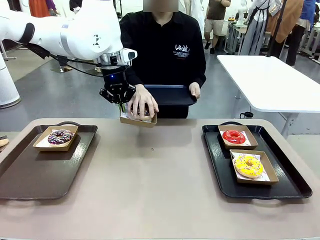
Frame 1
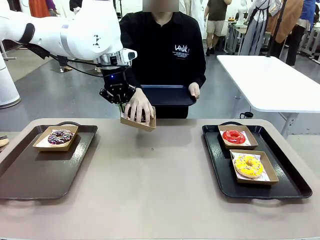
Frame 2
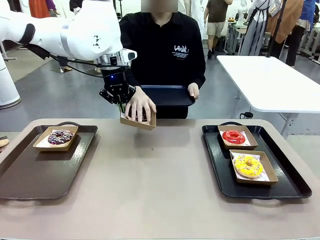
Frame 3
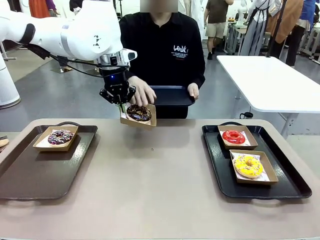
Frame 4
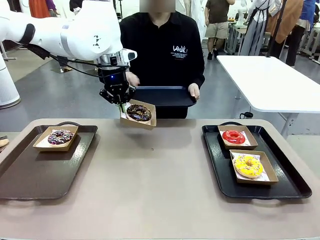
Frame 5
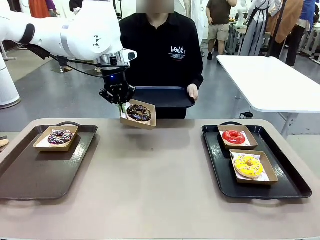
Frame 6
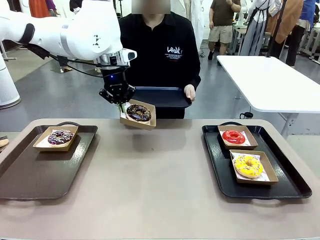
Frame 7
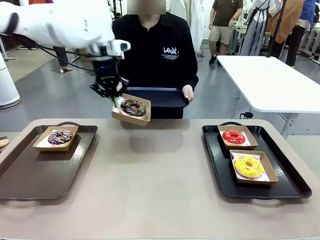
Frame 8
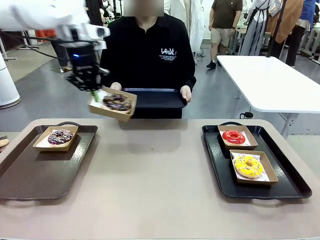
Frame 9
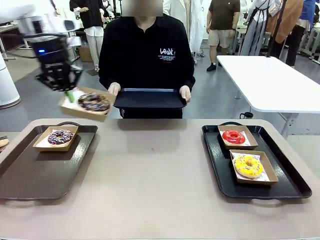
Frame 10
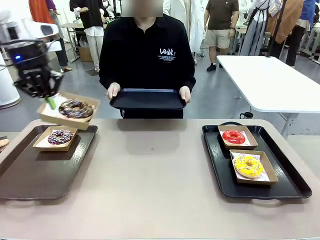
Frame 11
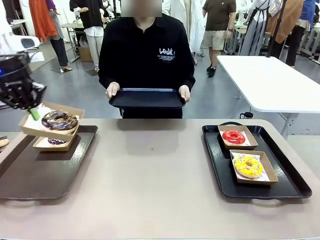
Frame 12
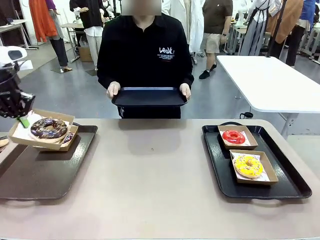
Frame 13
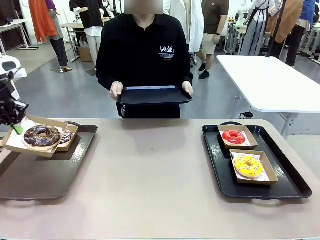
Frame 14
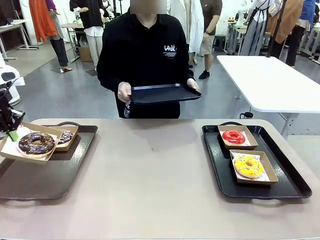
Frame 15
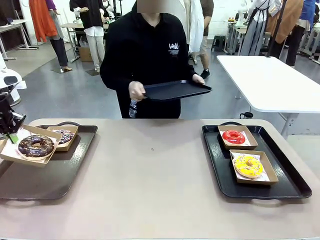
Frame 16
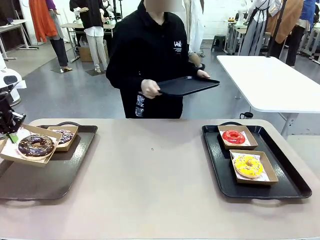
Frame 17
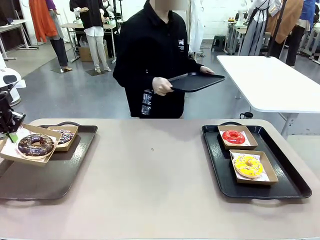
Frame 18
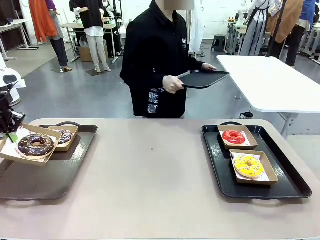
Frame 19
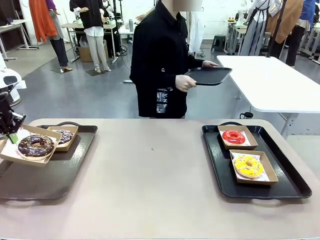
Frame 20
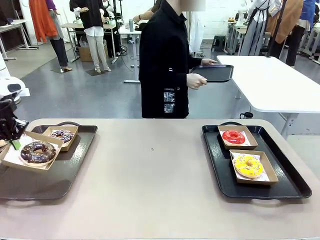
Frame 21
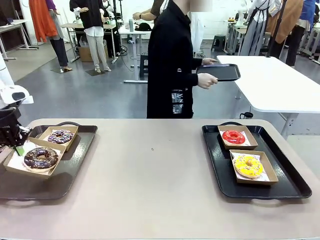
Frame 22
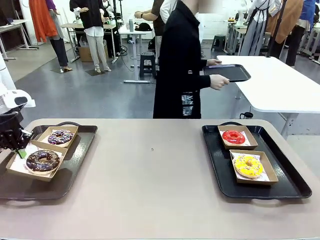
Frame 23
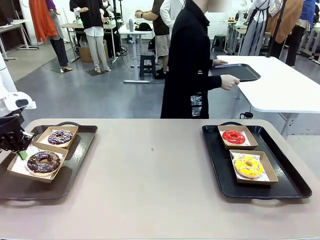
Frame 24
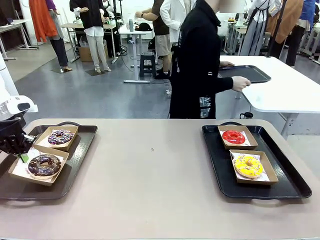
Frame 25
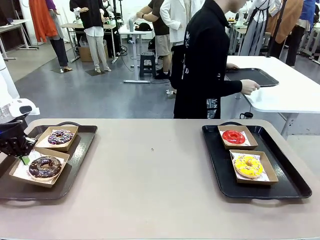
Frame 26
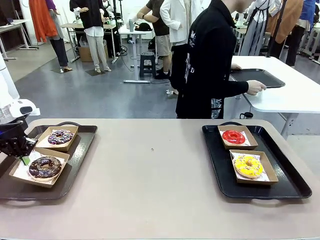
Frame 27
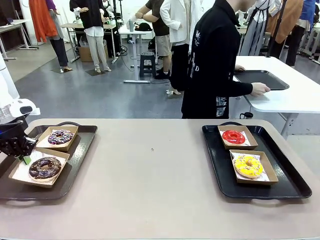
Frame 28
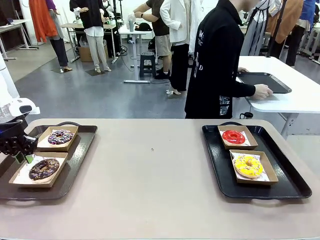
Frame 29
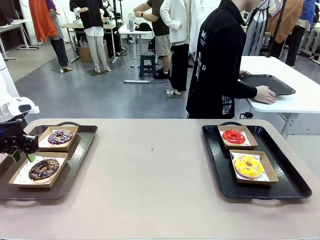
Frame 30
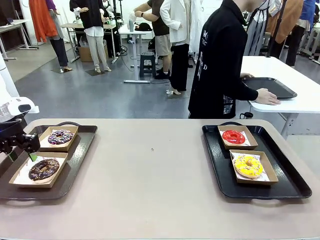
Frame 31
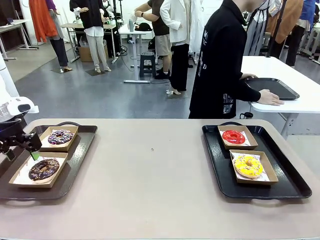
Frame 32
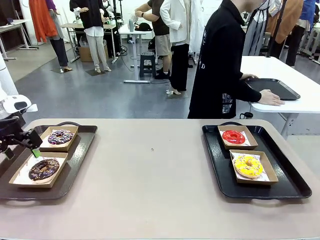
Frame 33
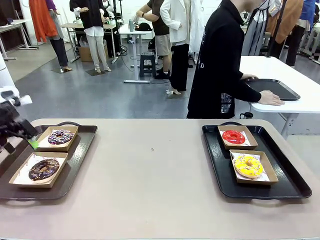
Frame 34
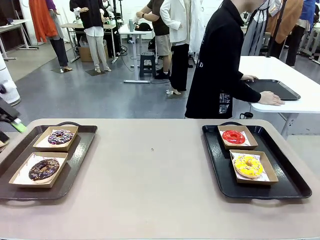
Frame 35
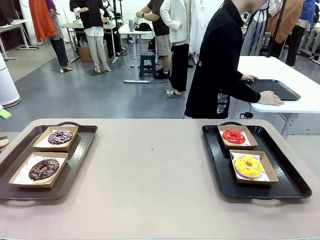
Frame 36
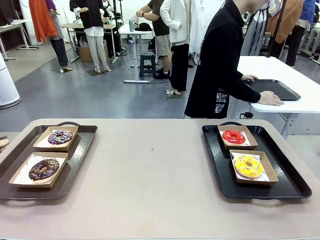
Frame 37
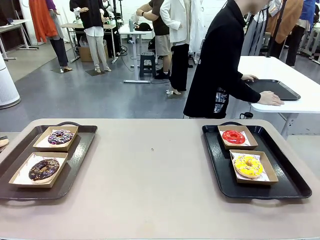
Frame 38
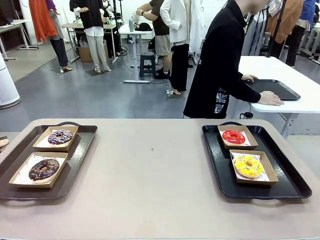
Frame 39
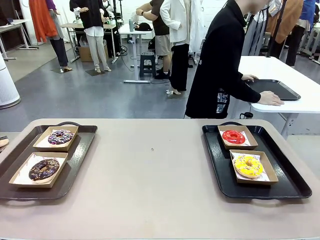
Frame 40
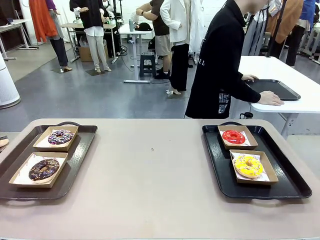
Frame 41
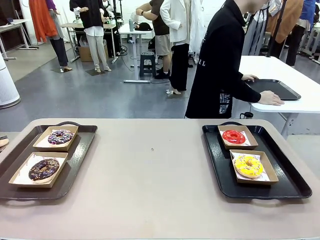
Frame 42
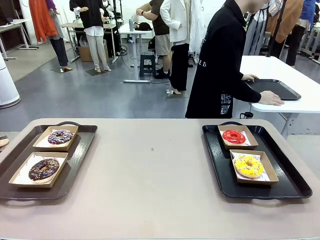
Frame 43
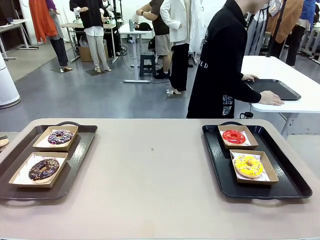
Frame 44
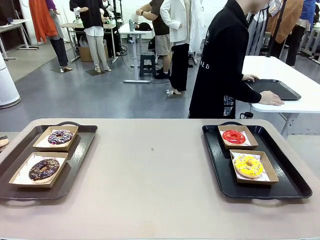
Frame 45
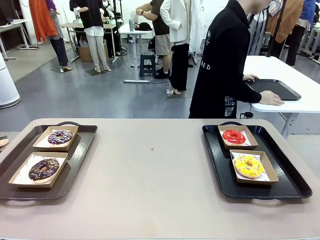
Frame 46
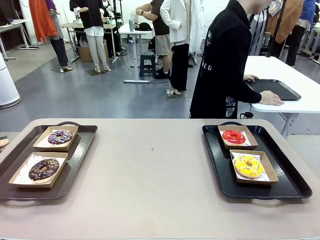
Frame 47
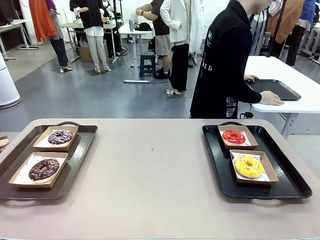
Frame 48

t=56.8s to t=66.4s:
Task: Individually package the donuts and arrange them on the tray.
Robot: Place the picked Paper togo box on the Handle tray.
Person: Place the tray down in the middle of the human table.

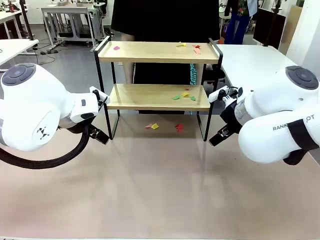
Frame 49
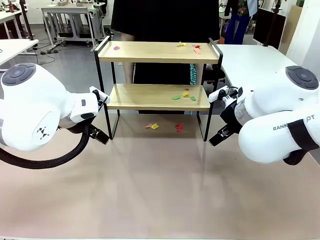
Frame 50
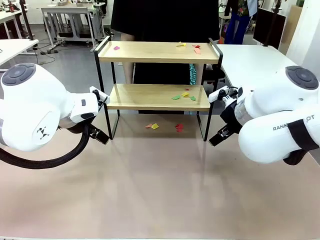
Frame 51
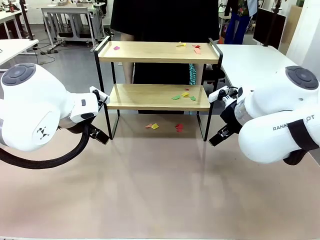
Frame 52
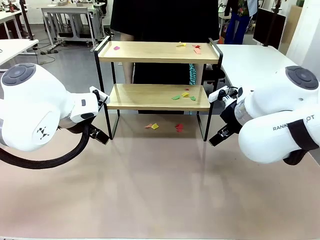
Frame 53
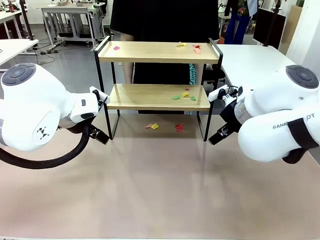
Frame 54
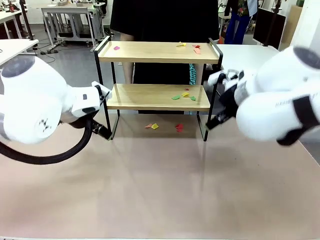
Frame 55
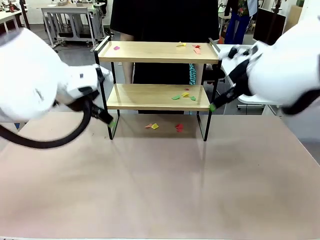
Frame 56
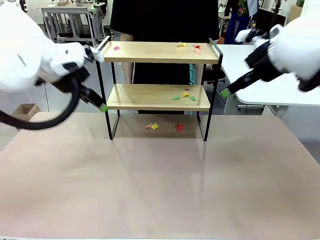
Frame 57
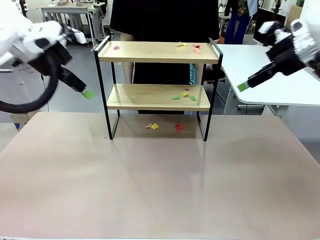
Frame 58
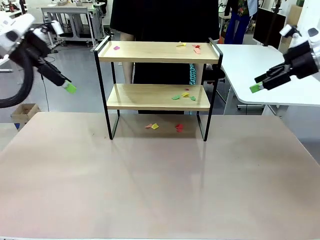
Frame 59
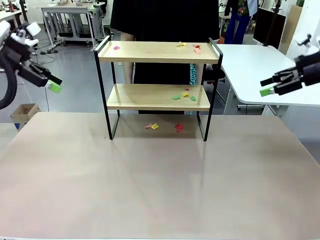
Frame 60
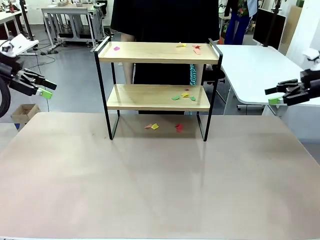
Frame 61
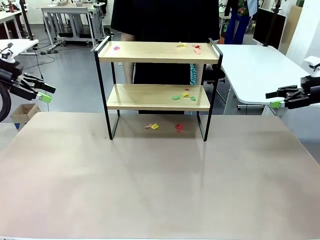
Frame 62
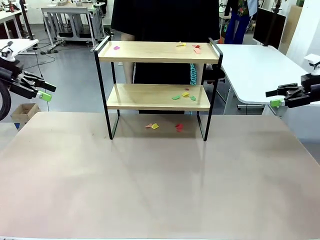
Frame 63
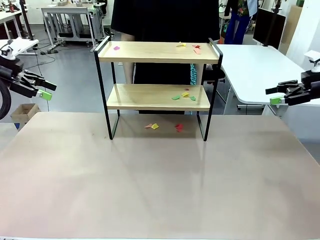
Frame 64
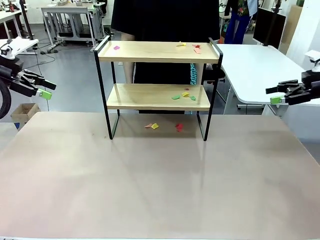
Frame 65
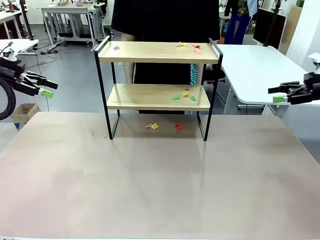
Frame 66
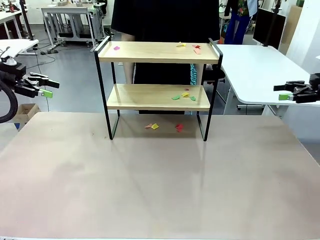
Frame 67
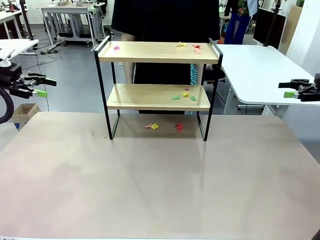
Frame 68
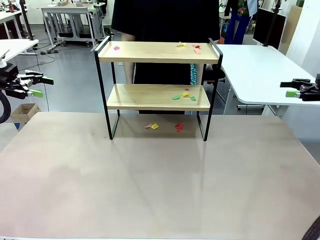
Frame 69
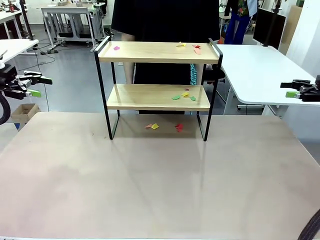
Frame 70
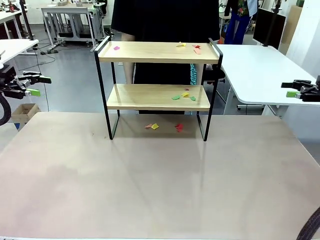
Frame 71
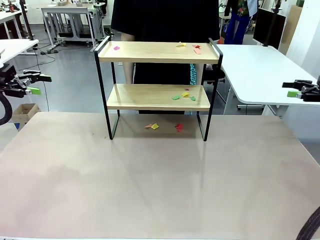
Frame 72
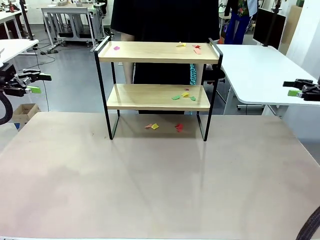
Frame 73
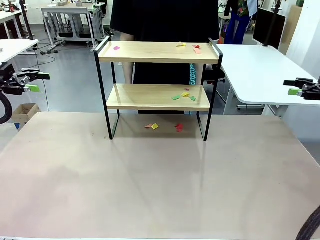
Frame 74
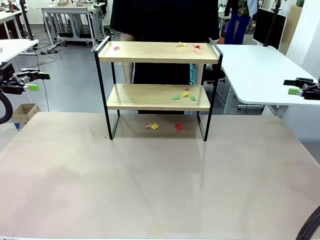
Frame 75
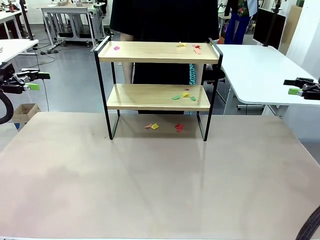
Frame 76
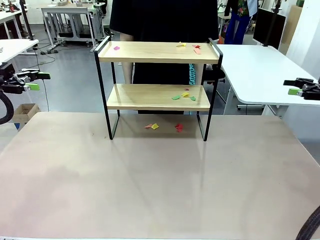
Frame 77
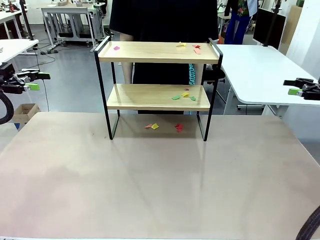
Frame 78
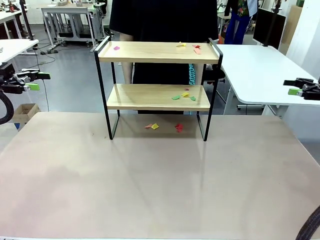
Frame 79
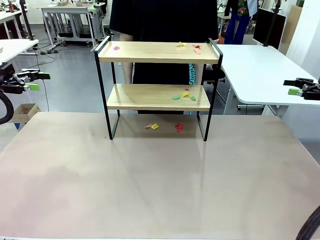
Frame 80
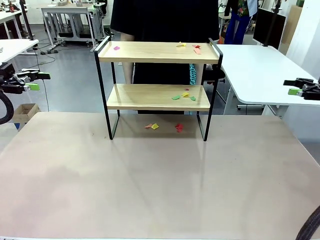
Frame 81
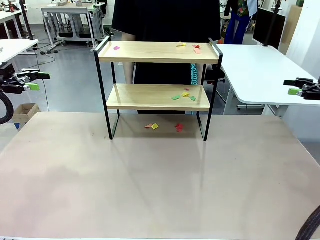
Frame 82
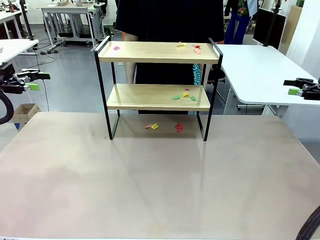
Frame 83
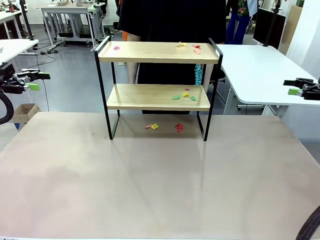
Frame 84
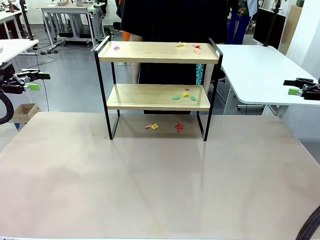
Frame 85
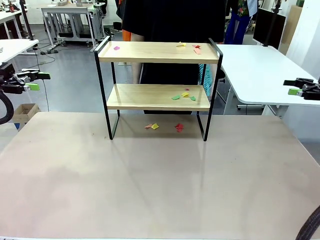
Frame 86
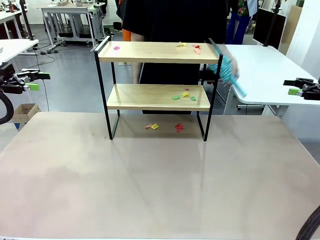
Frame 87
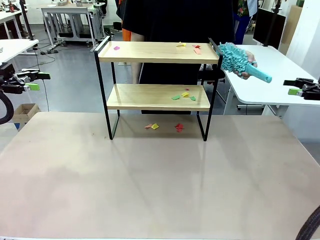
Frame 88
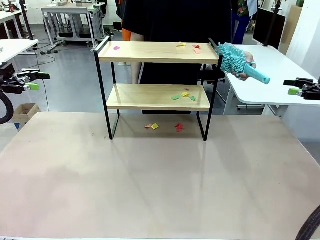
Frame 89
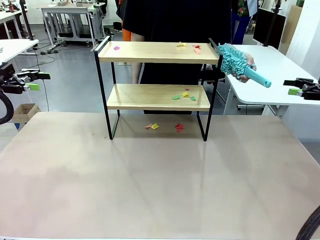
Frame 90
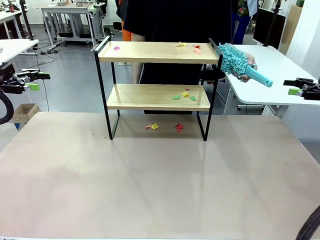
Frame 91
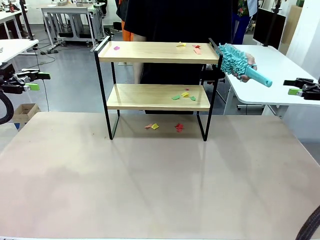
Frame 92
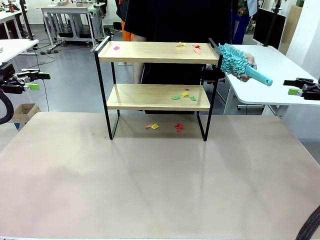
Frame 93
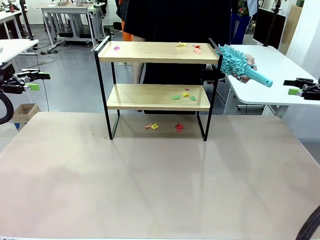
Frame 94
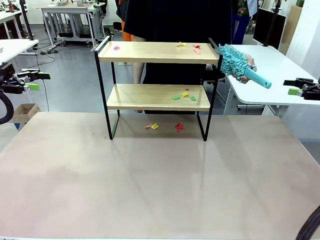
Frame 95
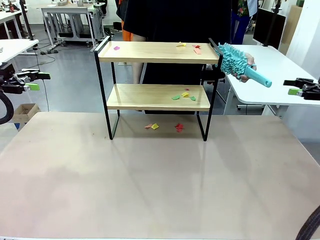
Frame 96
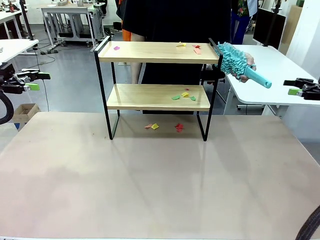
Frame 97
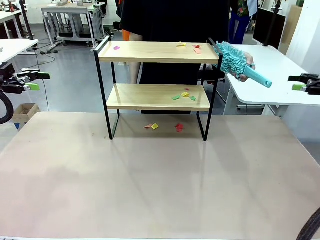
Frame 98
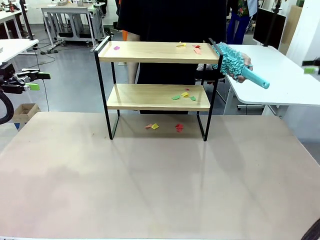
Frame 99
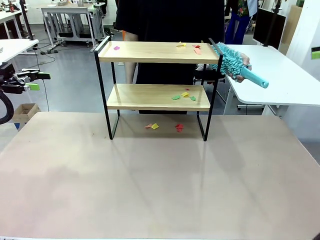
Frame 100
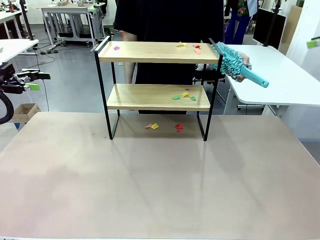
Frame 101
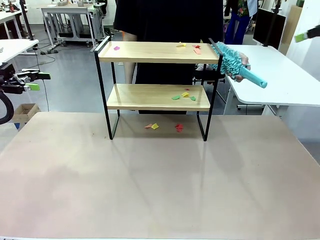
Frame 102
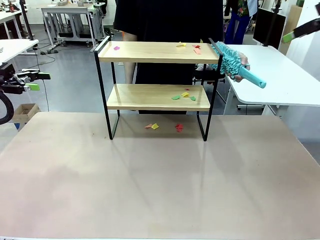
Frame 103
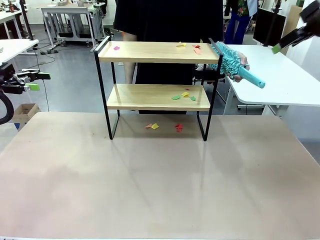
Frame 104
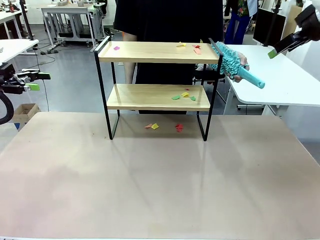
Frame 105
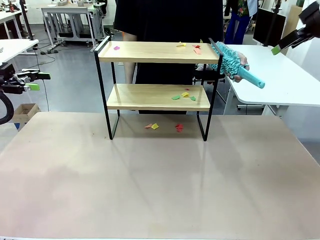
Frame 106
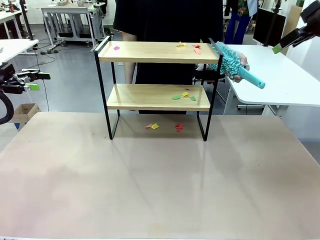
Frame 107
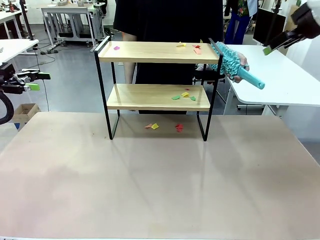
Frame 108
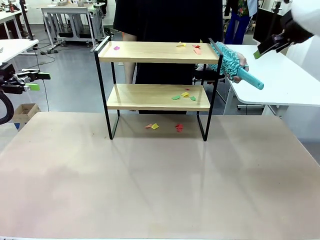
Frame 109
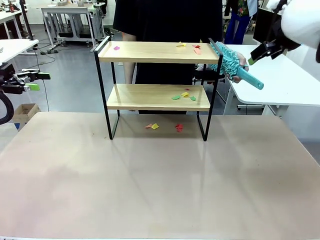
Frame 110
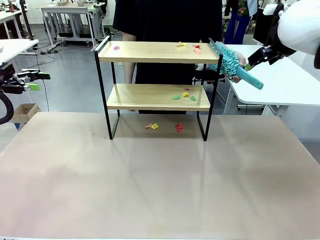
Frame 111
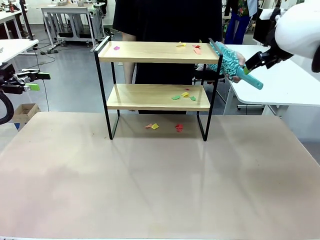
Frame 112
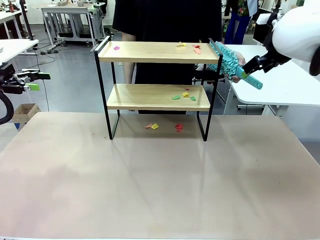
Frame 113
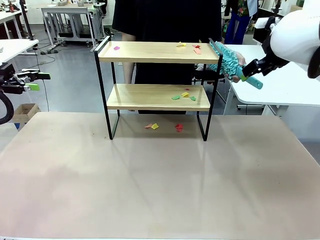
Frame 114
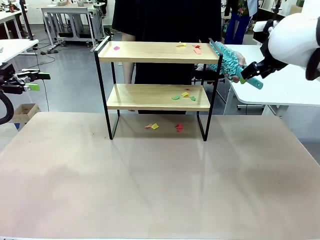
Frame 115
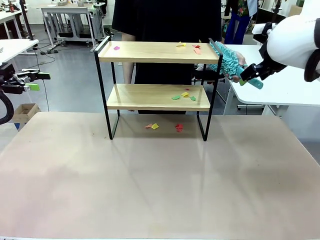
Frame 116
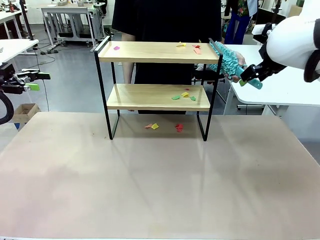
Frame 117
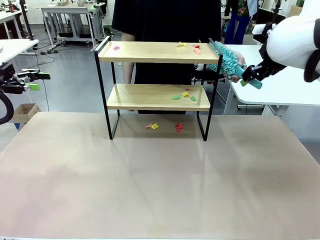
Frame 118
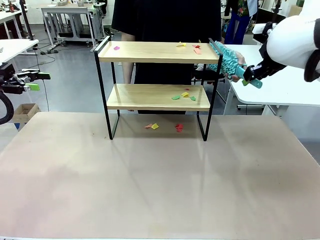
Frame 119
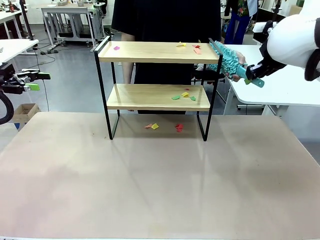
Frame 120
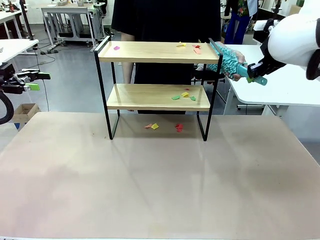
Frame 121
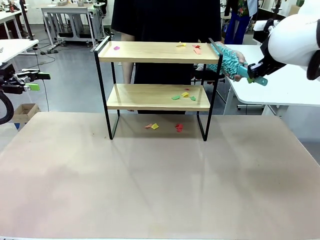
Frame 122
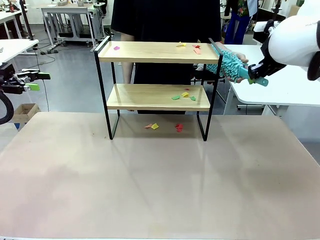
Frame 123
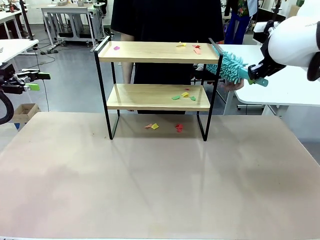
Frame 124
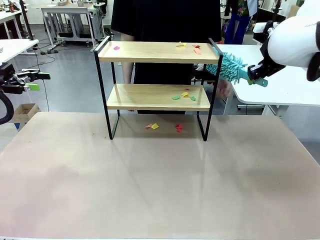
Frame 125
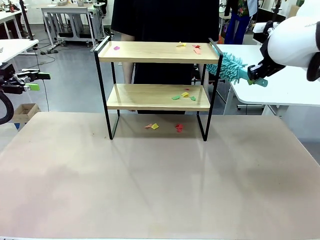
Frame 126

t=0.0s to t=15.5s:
Task: Clean the shelf.
Robot: Pick up the Duster handed by the human.
Person: Hand the Duster to the robot.
